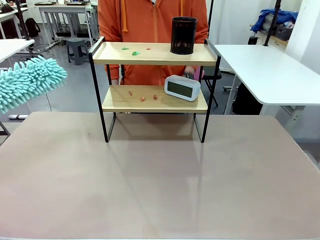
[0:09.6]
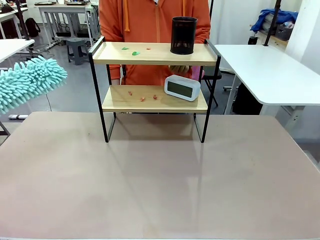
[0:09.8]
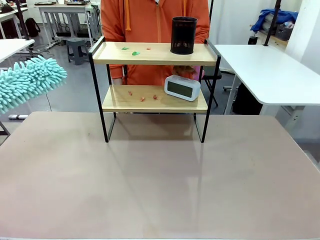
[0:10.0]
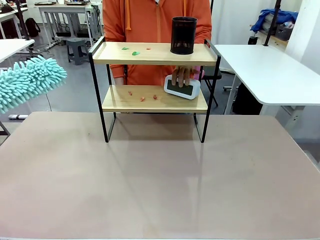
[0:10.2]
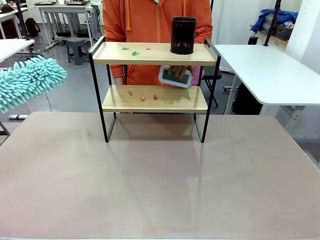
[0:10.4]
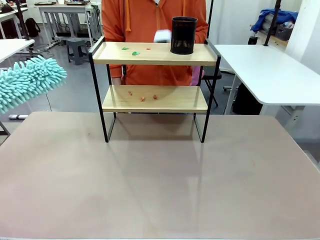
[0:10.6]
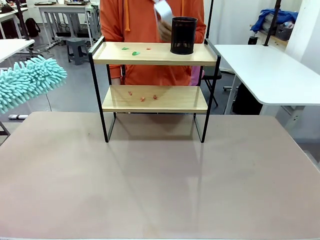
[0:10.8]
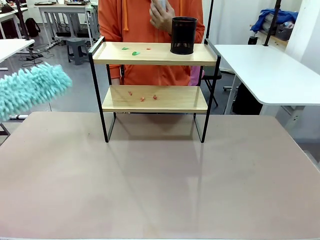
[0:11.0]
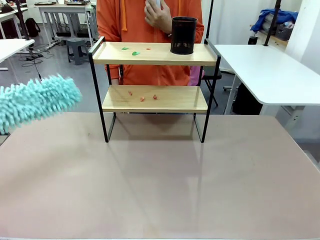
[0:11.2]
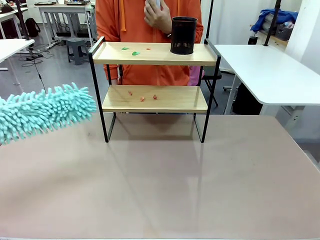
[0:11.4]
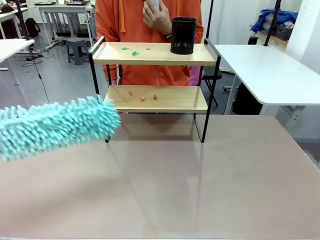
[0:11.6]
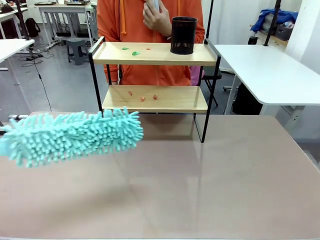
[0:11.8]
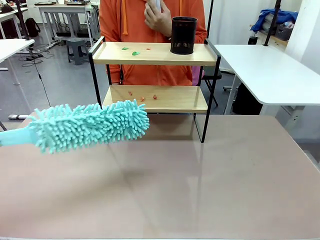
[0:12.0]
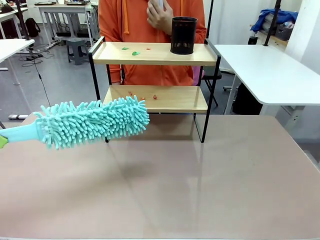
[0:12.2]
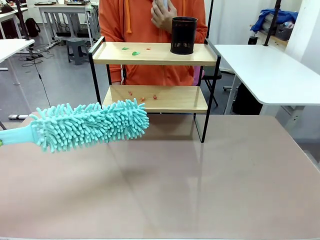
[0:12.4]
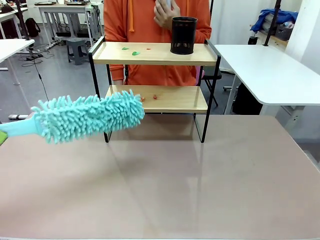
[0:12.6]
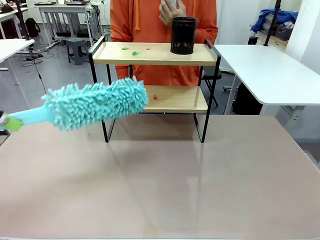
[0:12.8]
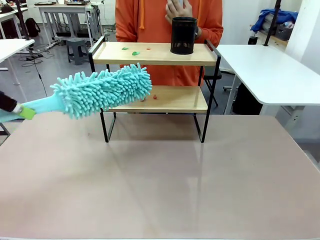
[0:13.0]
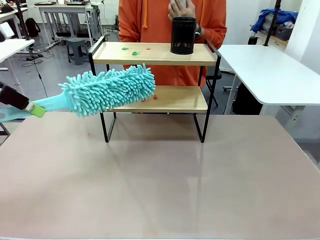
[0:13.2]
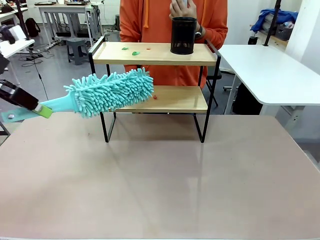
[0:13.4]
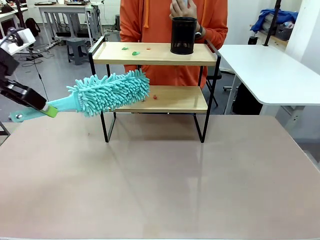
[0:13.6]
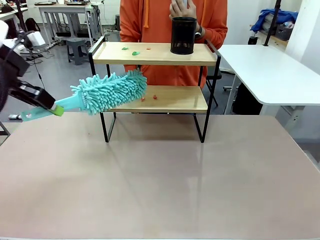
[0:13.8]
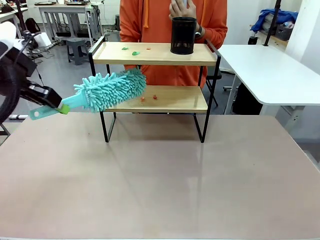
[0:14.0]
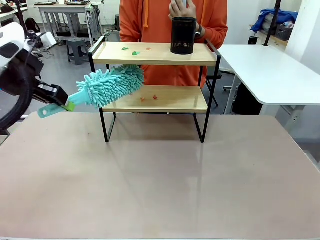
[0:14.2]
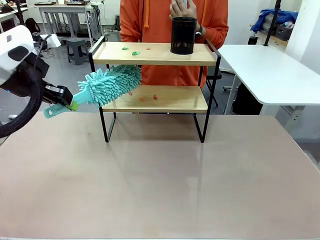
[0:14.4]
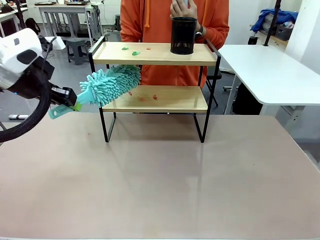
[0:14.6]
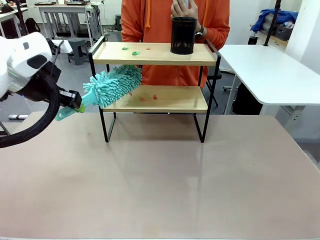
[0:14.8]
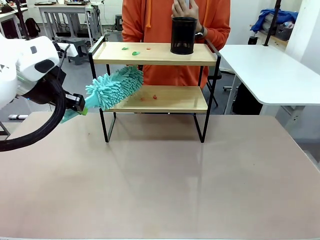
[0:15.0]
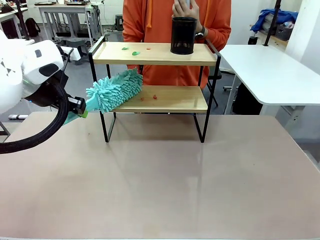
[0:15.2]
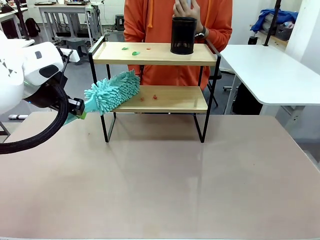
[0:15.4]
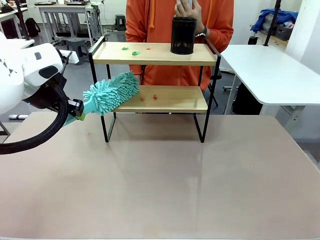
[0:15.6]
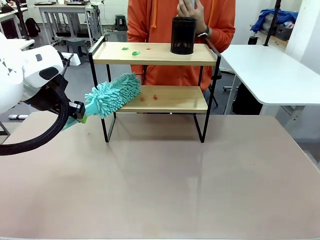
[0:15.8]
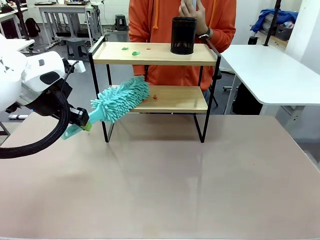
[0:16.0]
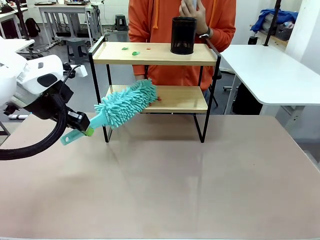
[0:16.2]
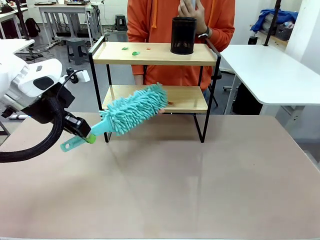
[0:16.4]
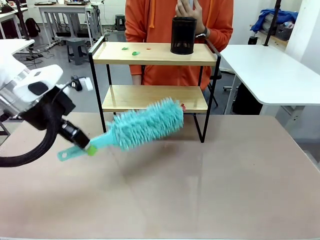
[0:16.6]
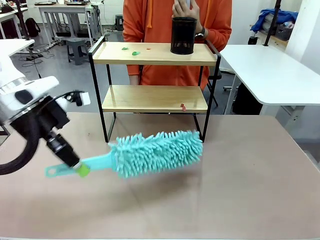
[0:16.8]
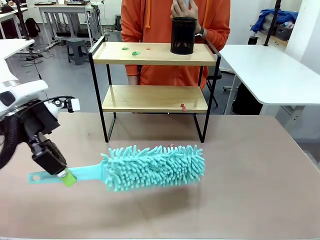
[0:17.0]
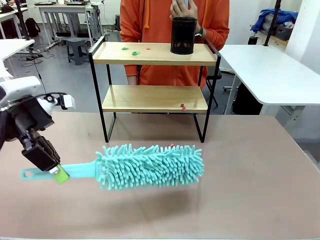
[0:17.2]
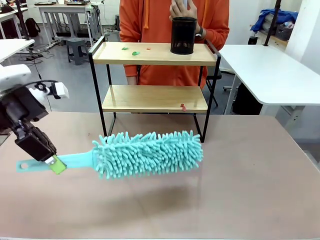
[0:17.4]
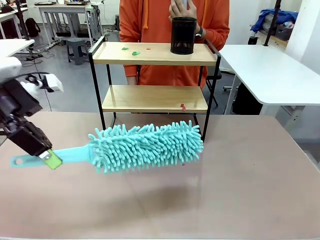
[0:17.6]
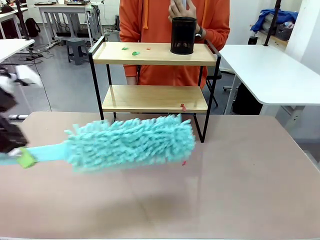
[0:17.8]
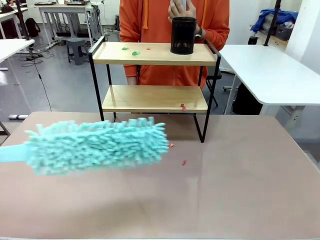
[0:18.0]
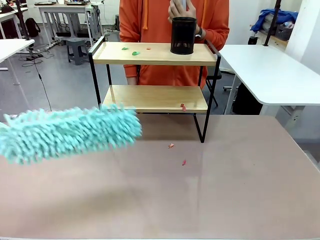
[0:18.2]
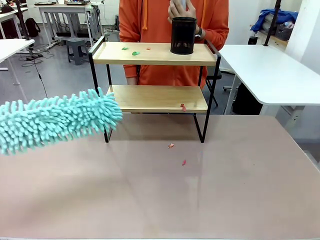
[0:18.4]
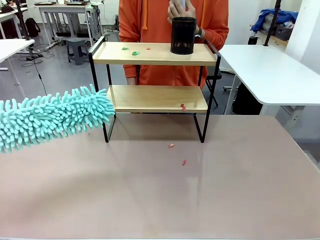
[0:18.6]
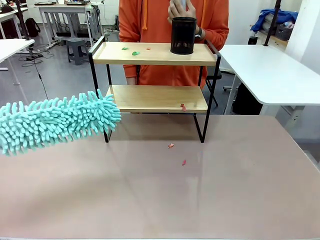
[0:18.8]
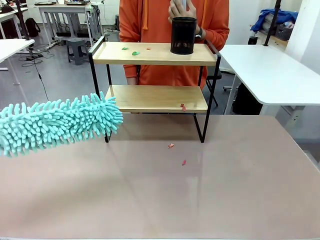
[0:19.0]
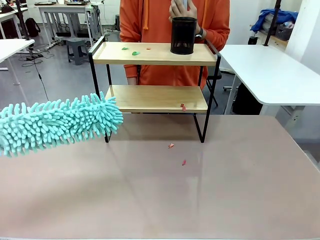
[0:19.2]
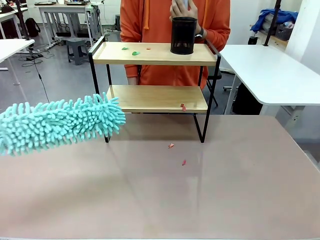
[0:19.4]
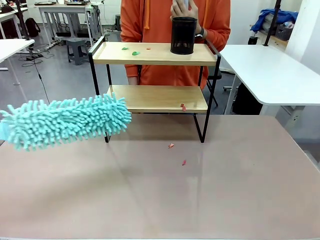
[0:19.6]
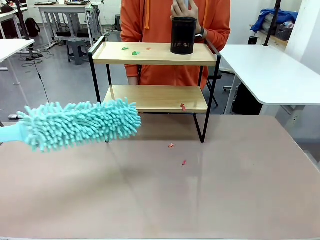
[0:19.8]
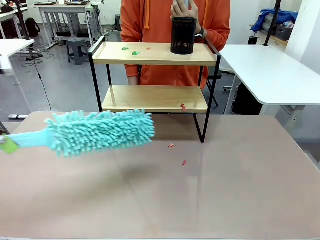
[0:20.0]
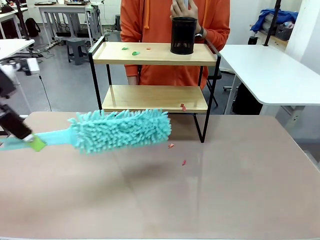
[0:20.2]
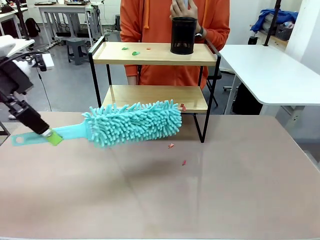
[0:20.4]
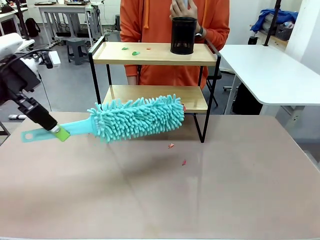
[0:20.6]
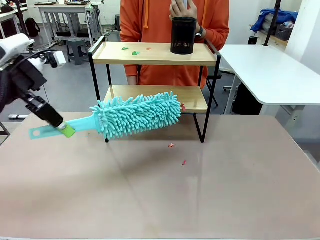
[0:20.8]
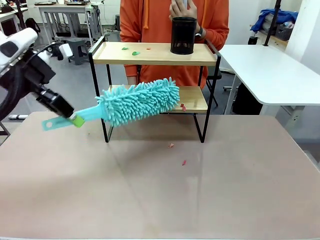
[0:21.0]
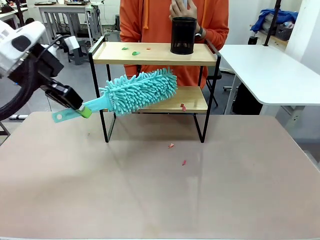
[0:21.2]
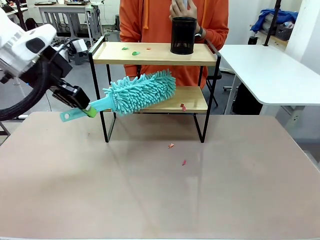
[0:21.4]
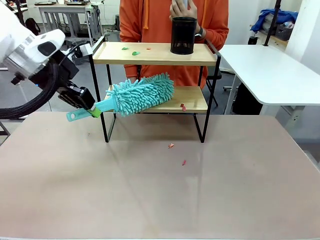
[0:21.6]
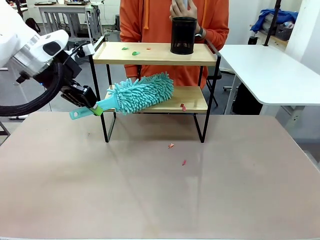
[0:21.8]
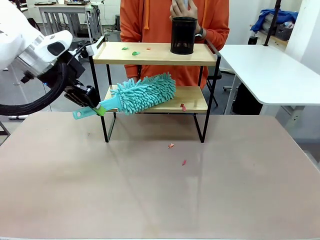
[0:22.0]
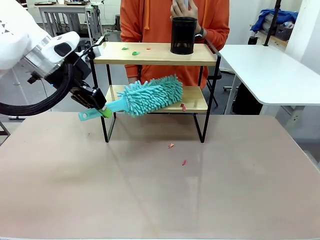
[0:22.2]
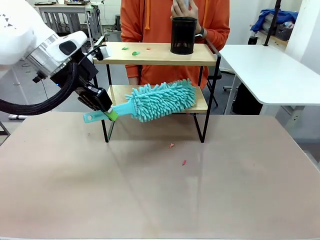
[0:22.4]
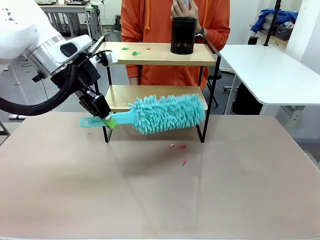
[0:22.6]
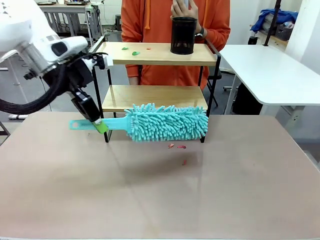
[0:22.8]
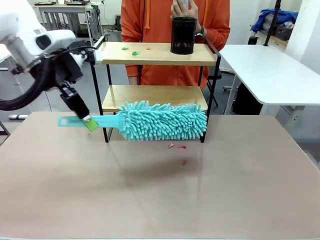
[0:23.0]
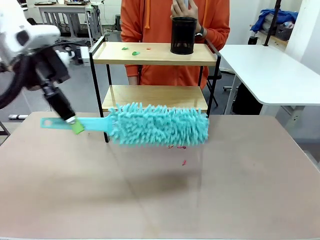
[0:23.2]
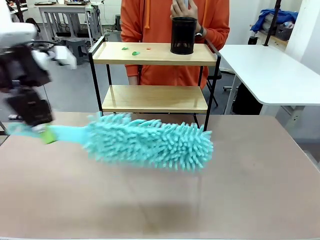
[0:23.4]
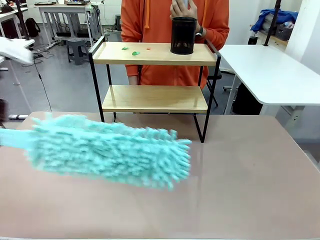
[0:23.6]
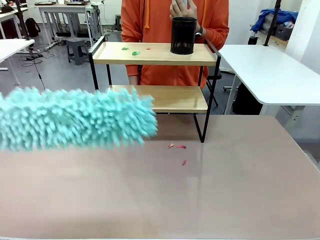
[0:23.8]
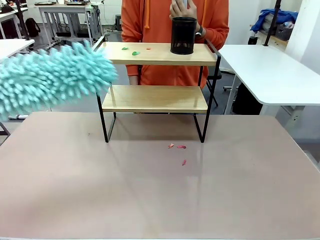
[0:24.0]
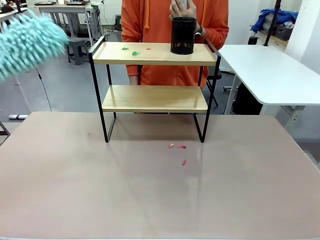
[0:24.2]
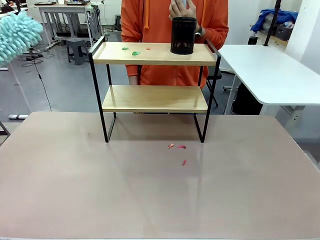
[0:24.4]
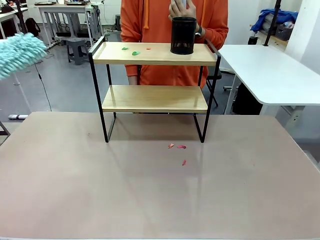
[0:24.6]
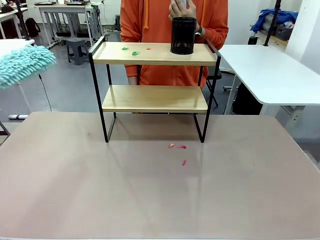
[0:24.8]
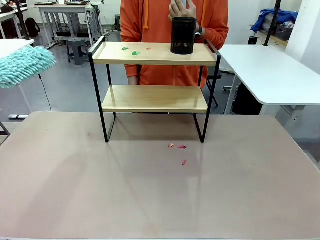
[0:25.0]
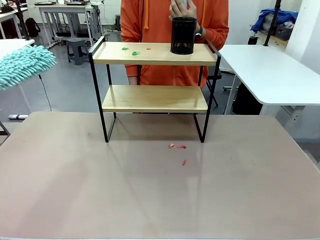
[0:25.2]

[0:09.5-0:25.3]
Task: Clean the shelf.
Robot: Clean the specific tier of the Shelf with the Duster once objects are removed.
Person: Lift the objects on a randomly selected tier of the Shelf. Once the robot finishes cleaning, lift the objects on the remaining tiers of the Shelf.

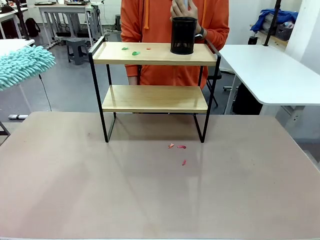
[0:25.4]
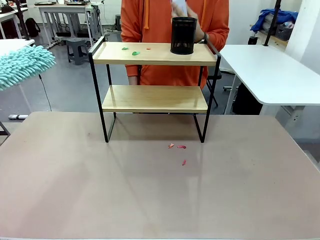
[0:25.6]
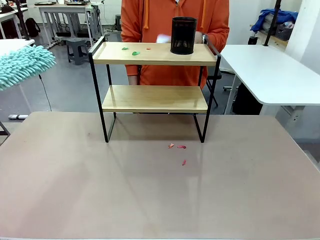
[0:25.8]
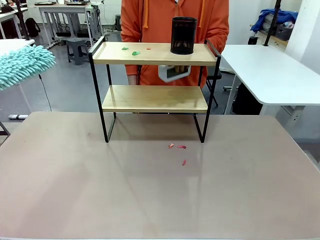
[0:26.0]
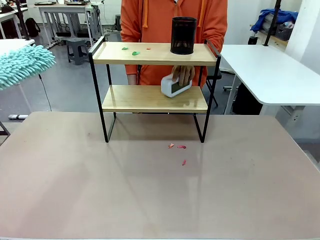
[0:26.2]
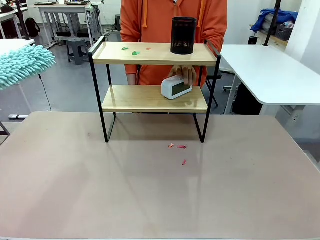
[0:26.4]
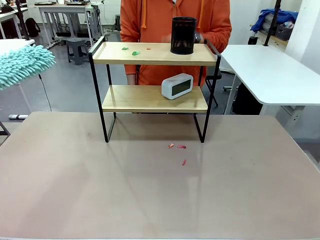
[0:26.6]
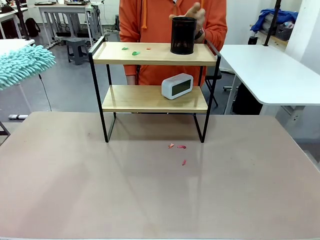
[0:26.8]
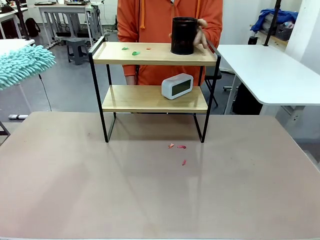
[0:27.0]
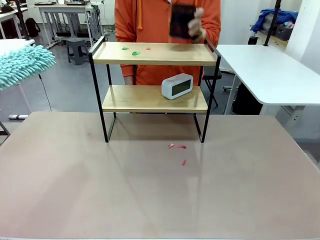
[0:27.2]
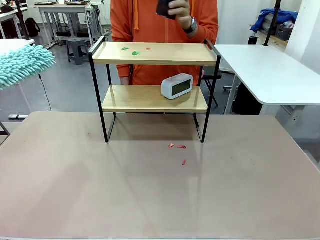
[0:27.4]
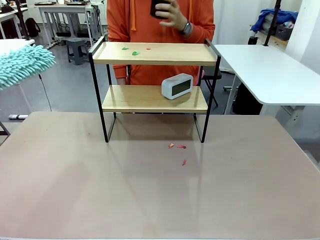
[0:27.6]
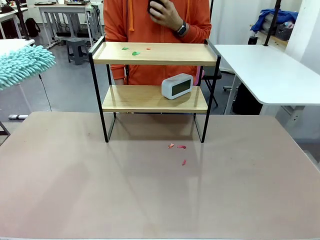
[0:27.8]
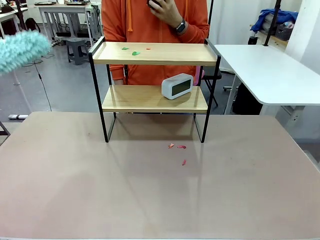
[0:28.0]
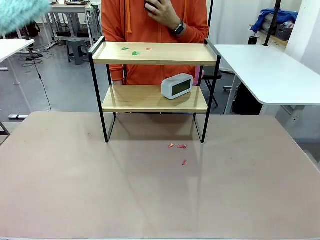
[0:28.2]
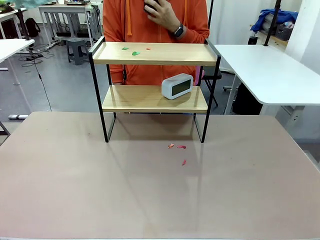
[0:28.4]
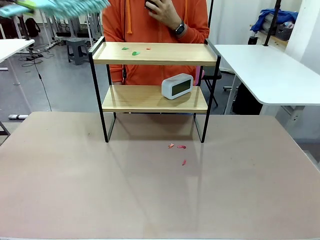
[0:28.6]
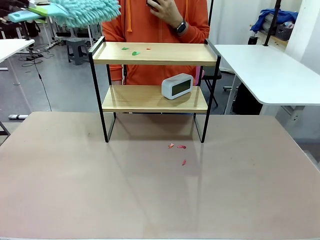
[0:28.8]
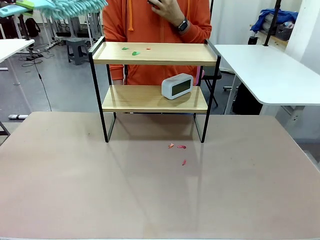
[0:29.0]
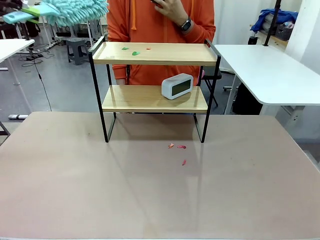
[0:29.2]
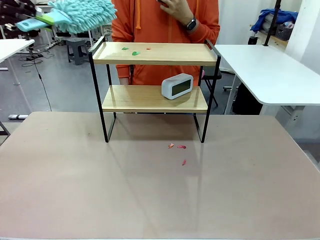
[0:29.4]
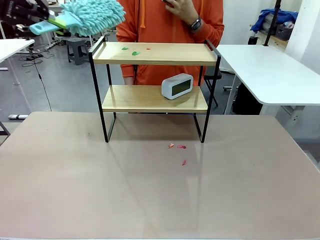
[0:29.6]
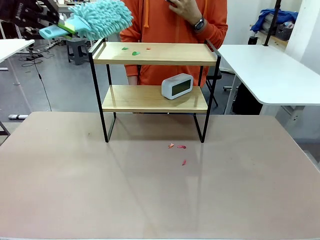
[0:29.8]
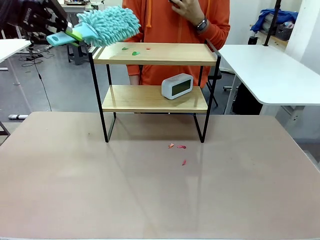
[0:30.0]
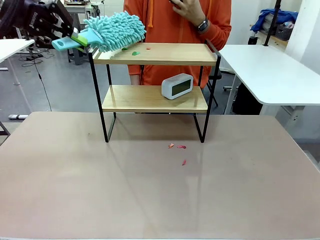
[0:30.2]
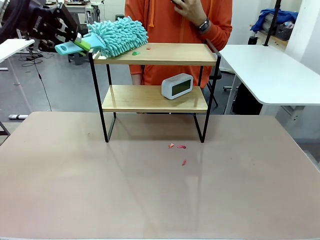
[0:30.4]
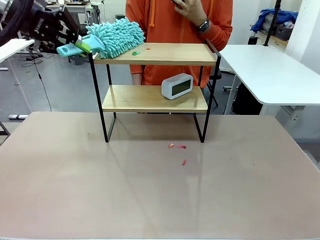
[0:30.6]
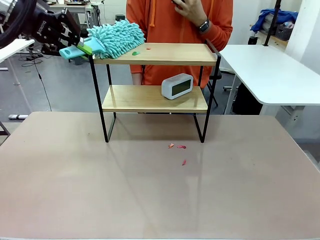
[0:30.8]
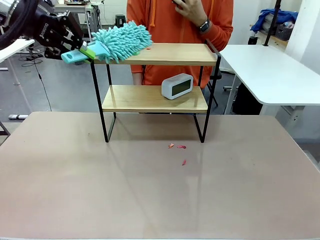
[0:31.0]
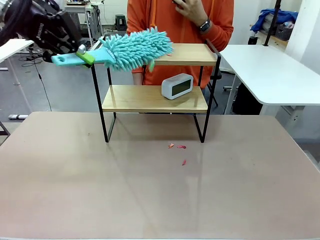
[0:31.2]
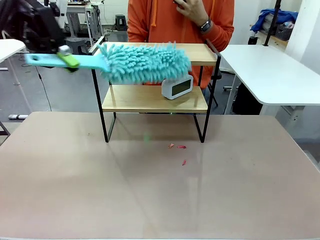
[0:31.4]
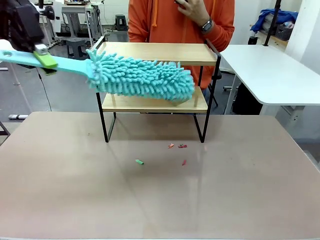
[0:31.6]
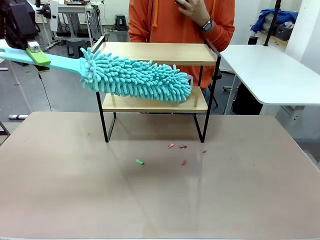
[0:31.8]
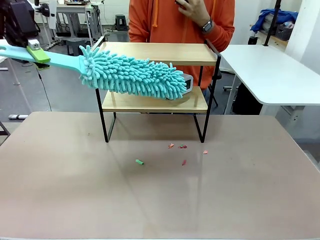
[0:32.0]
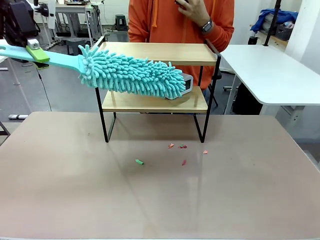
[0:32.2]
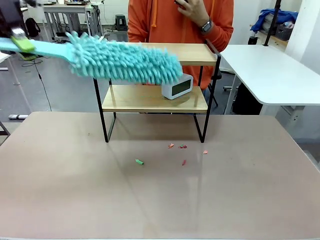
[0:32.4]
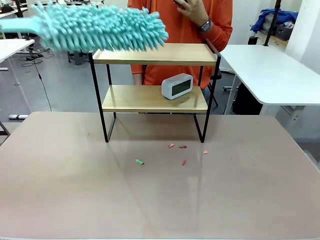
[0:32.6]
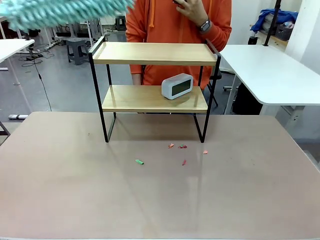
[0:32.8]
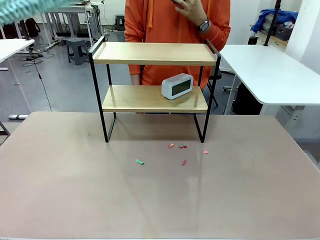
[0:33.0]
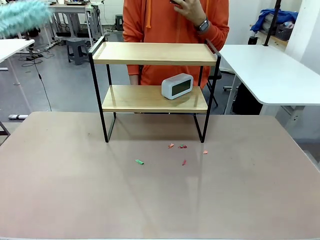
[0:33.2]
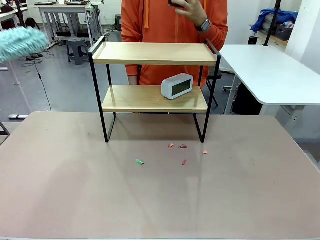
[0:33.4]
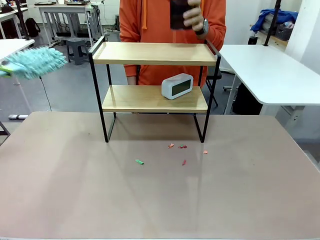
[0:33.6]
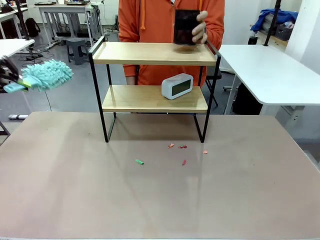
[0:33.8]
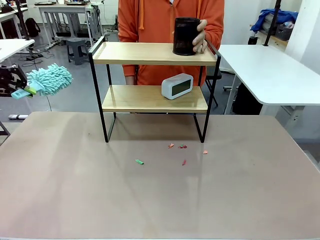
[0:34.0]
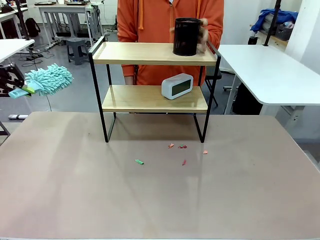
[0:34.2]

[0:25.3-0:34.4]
Robot: Clean the remaining tier of the Shelf with the Duster once objects are removed.
